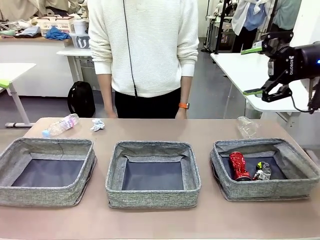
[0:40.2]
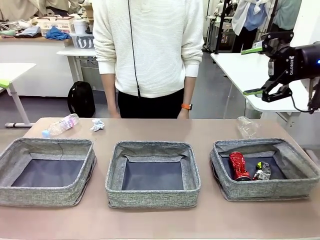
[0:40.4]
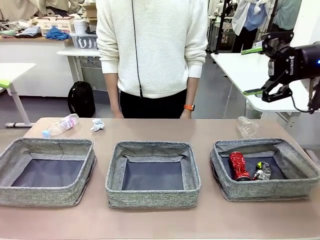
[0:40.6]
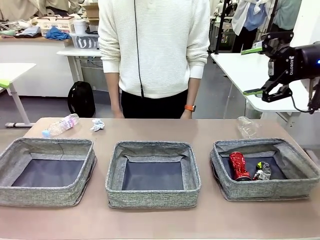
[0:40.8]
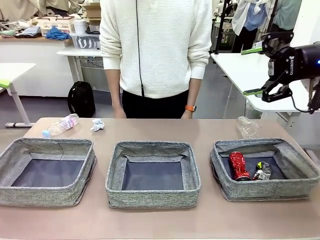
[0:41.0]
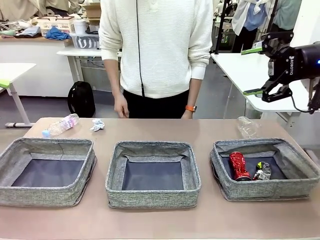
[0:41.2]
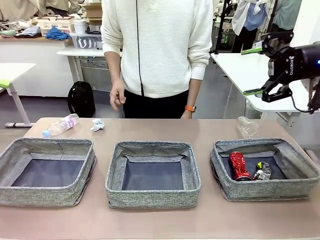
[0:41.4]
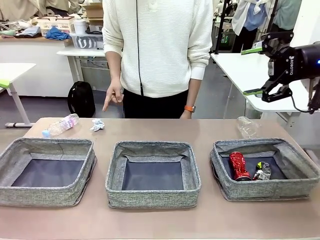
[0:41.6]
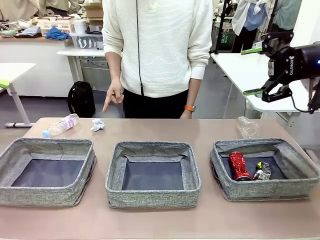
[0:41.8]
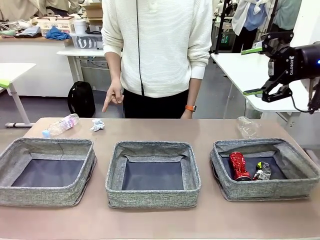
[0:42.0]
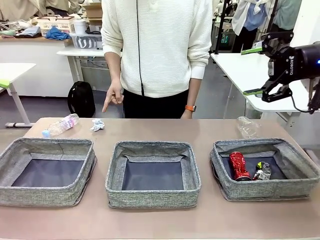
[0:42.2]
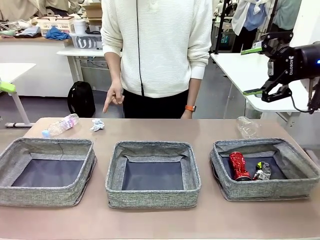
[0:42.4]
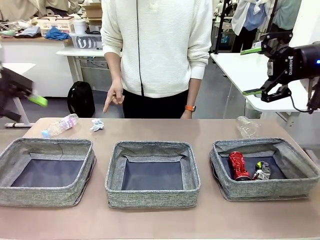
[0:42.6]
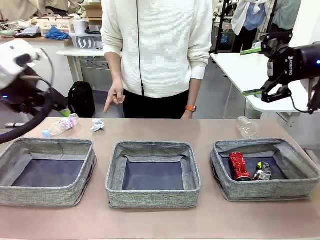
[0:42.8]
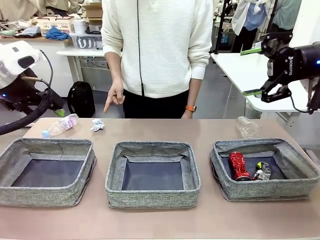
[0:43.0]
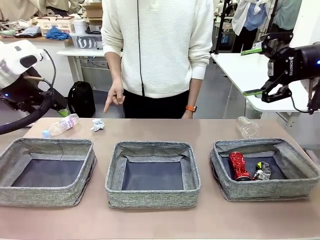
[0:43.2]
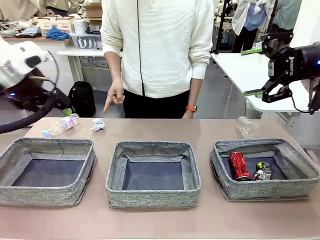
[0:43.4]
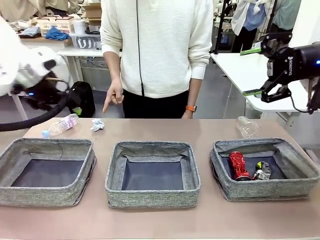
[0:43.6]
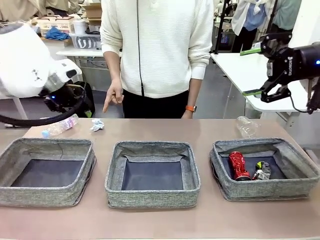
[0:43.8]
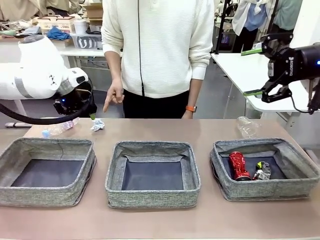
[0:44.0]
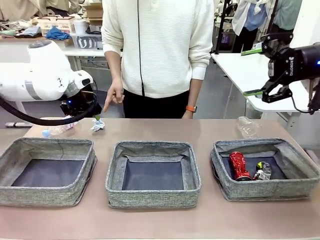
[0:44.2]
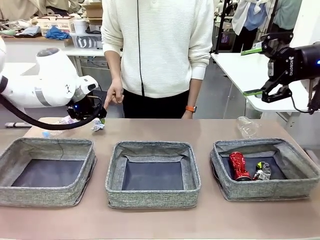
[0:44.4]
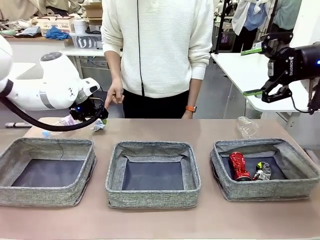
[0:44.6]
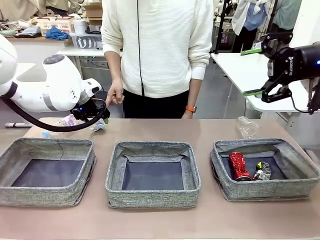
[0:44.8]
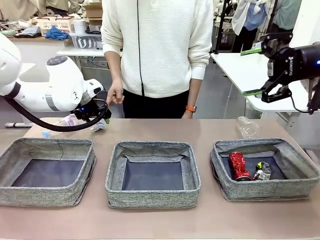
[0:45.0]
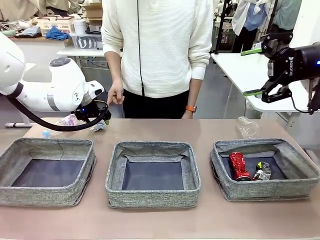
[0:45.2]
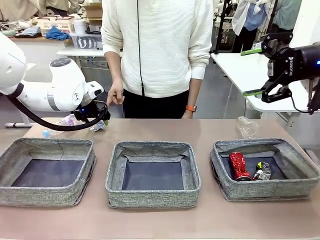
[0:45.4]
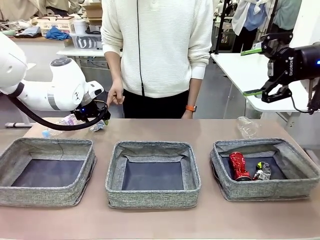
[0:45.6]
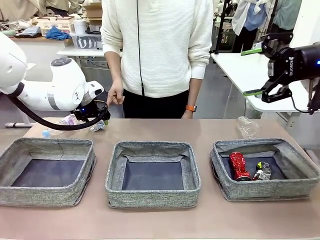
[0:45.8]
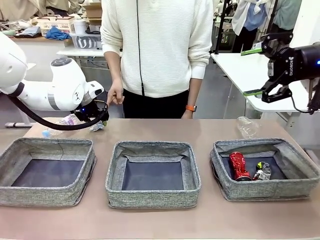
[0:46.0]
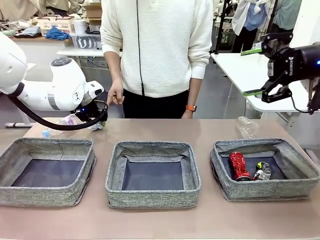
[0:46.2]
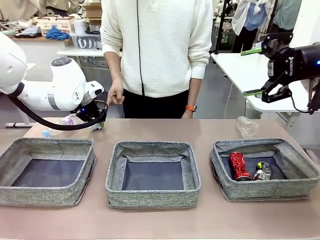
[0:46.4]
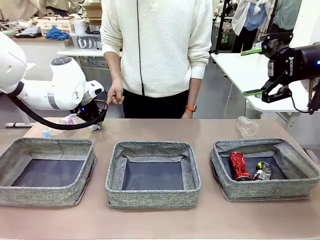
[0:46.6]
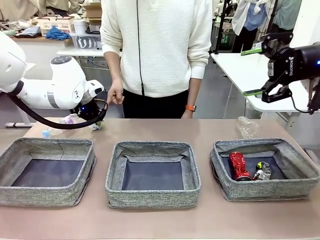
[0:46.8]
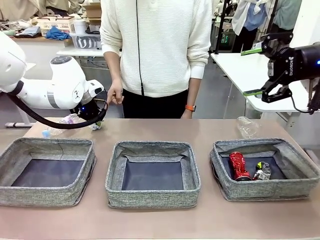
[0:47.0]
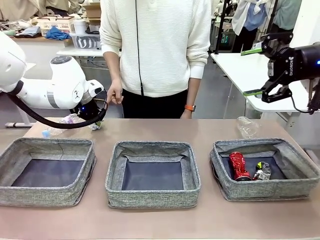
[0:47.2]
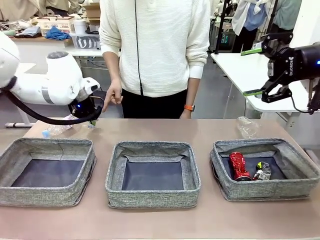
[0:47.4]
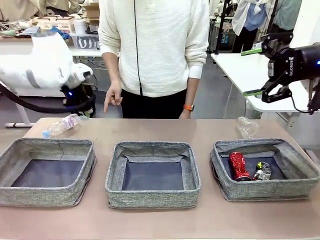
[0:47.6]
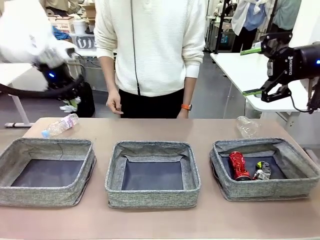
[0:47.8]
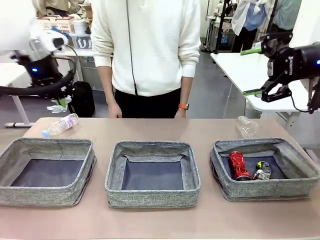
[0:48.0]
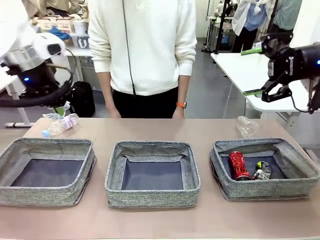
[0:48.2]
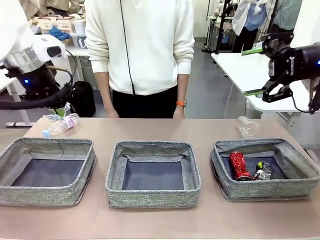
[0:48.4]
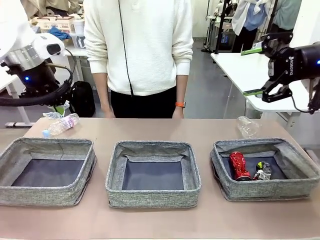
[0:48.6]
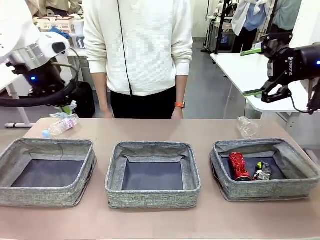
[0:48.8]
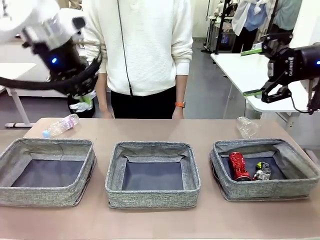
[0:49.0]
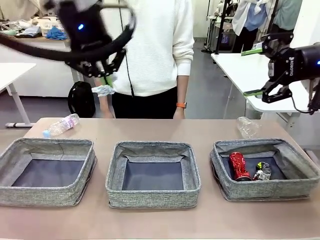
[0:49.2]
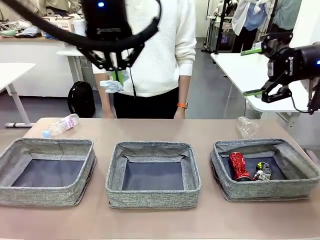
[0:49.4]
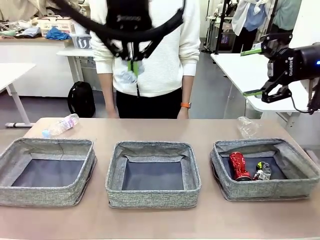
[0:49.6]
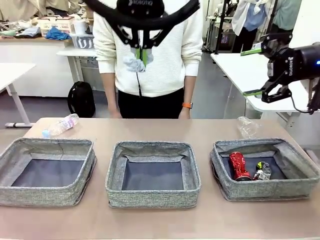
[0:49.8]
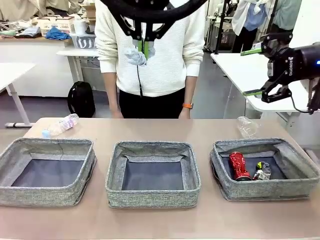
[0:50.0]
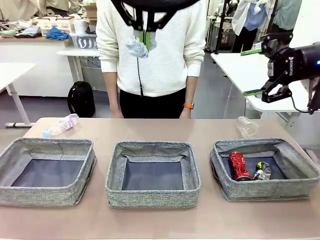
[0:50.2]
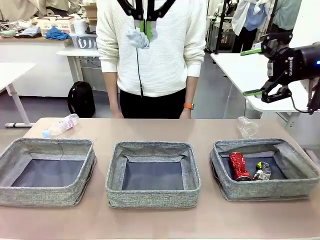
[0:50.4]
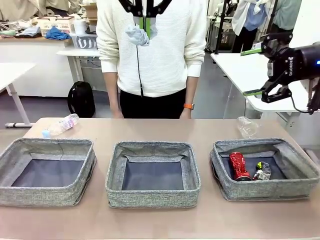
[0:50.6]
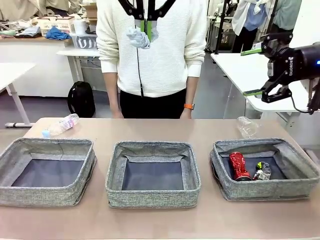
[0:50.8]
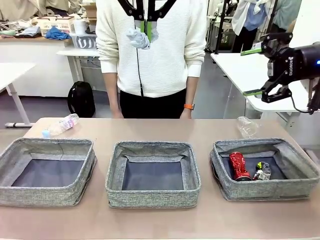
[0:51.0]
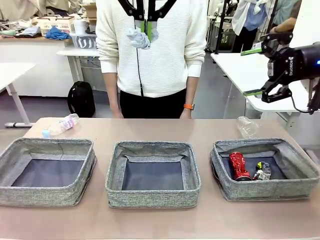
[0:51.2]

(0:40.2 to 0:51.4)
Task: Sort the waste into the appropriate baskets.
Robot: Pick up the waste item pointed out by the person.
Person: Points to one piece of trash on the table.

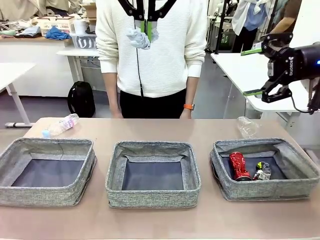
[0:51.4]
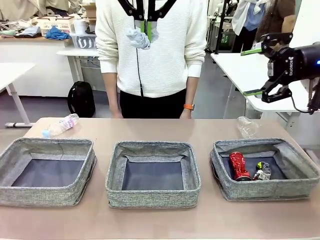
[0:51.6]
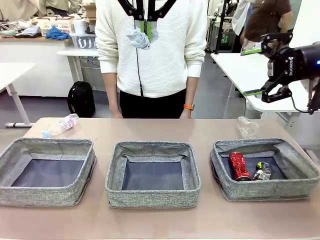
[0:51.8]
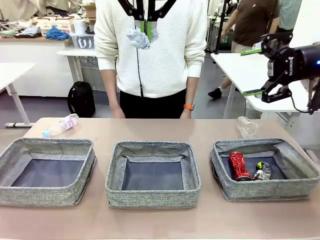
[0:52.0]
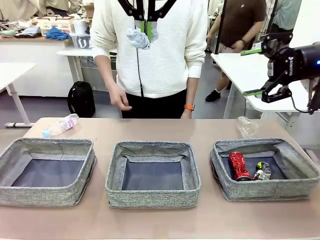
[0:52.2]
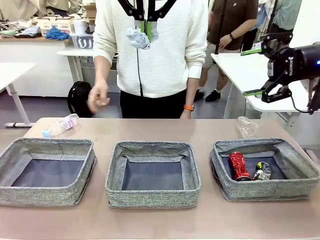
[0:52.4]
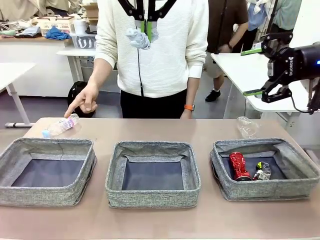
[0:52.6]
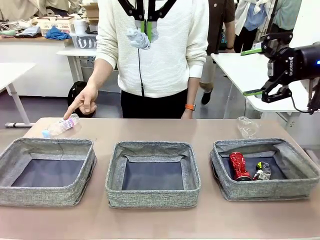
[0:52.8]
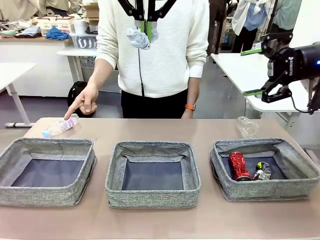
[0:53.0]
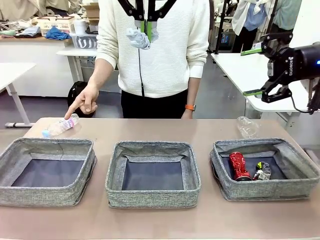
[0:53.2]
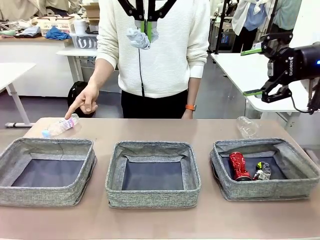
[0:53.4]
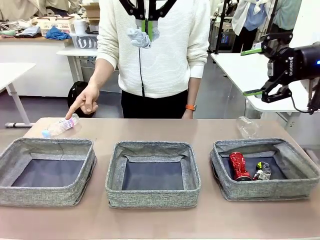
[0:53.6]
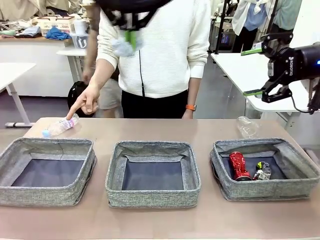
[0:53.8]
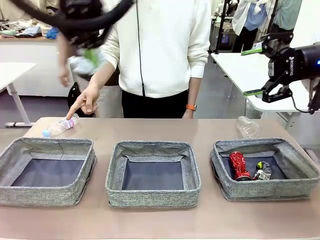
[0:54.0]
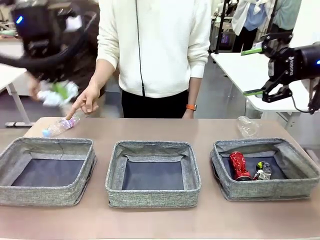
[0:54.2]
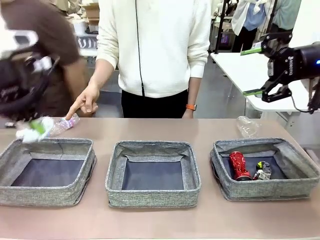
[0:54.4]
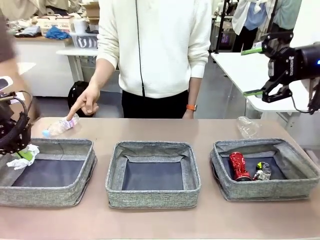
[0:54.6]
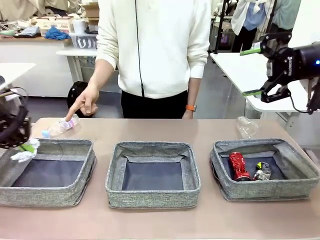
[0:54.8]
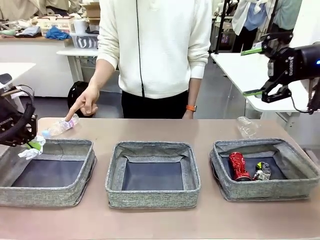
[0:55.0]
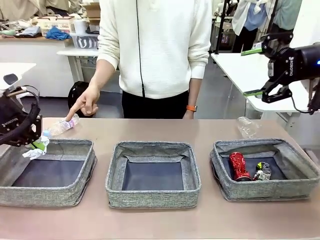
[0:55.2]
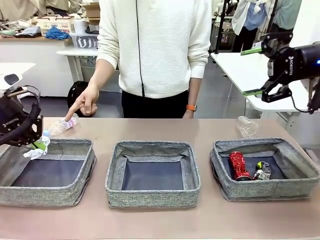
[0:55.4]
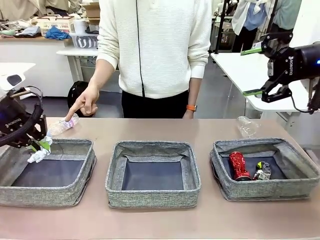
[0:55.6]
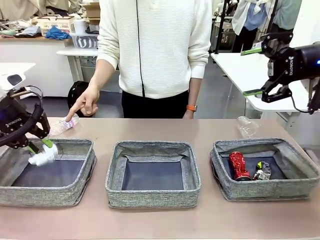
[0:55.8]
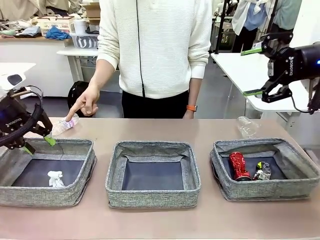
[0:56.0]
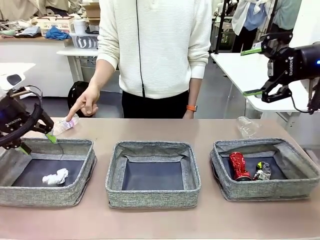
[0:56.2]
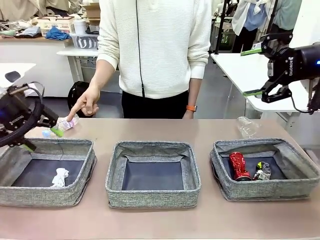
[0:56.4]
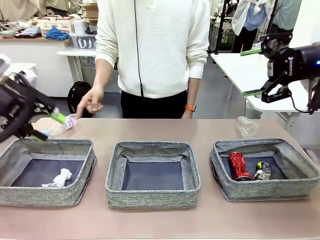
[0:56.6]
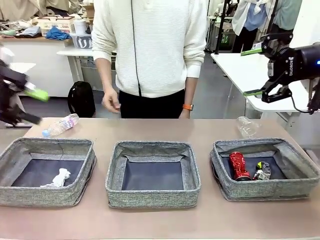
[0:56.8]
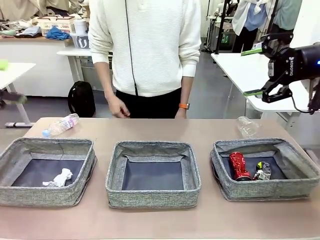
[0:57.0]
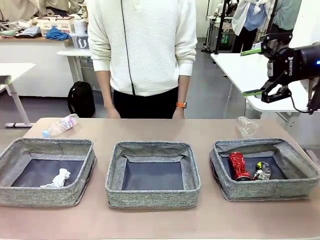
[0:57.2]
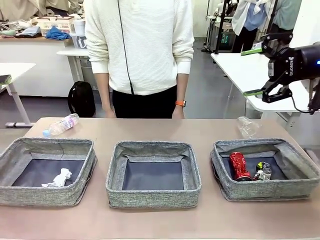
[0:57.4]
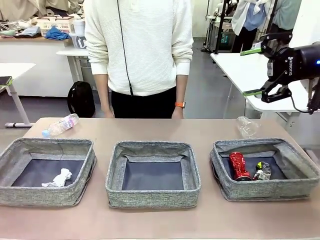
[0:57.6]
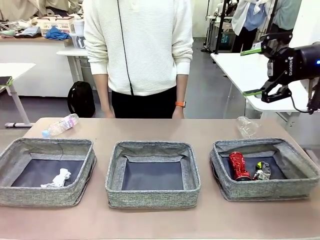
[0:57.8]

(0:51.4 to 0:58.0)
Robot: Place the picked waste into the Fabric basket indicated by the person.
Person: Instructs the robot to place the picked-up trash into the appropriate organizing basket.
